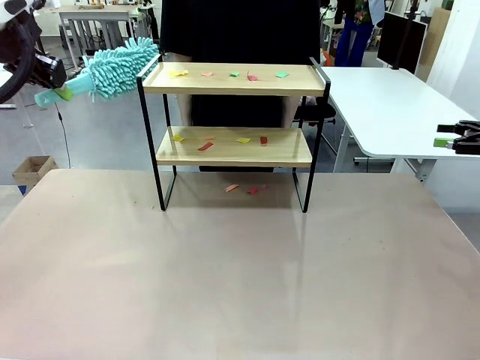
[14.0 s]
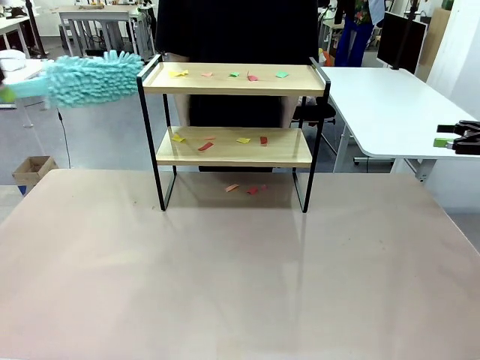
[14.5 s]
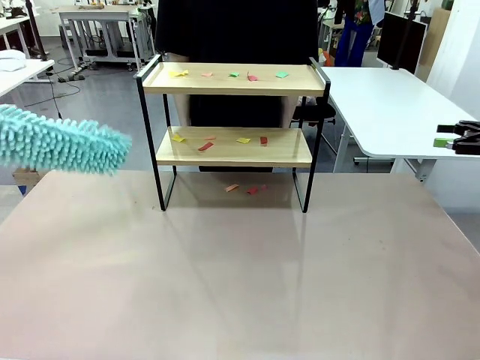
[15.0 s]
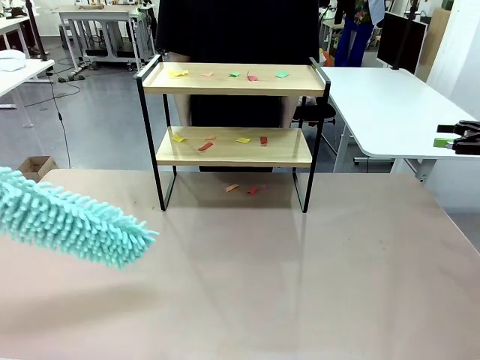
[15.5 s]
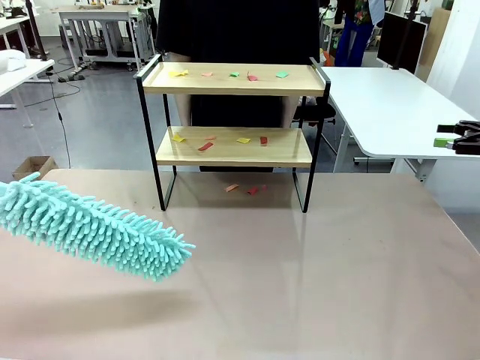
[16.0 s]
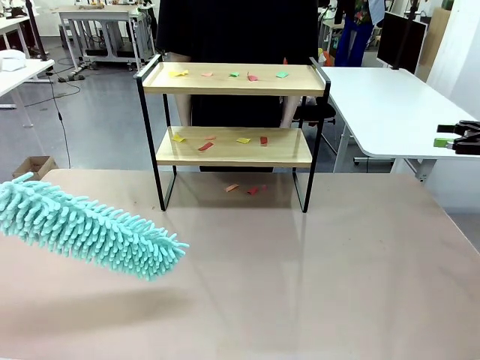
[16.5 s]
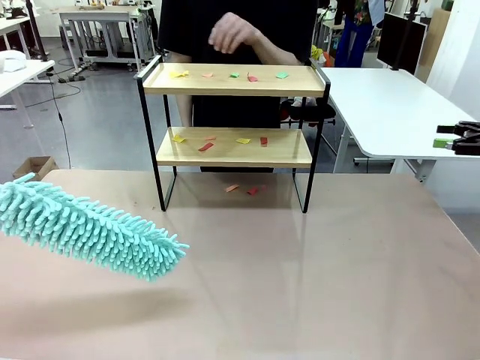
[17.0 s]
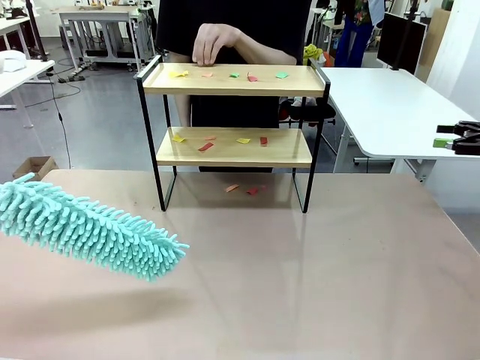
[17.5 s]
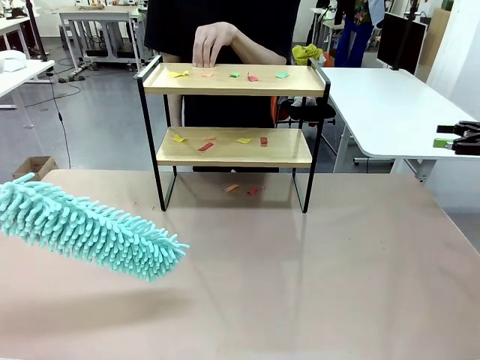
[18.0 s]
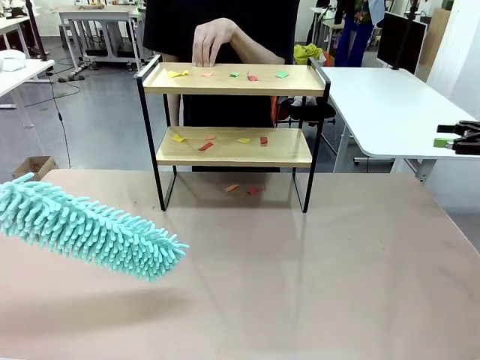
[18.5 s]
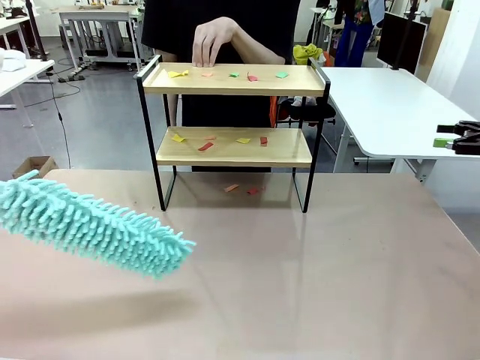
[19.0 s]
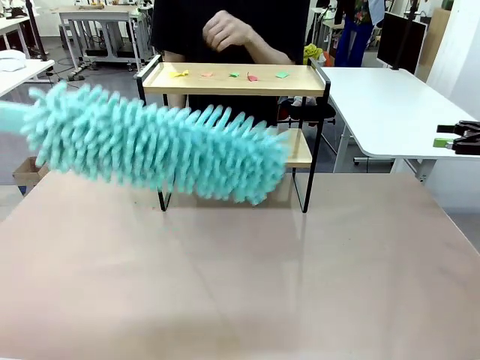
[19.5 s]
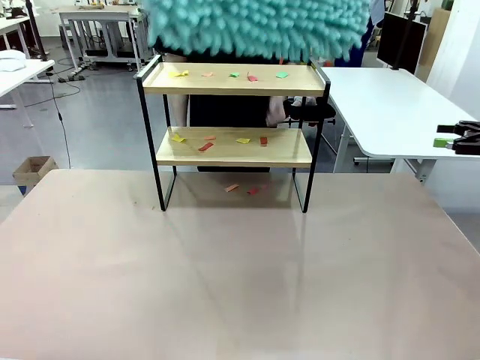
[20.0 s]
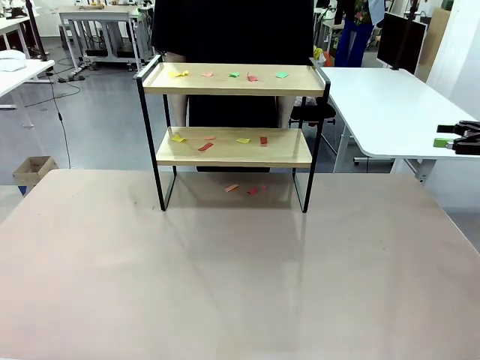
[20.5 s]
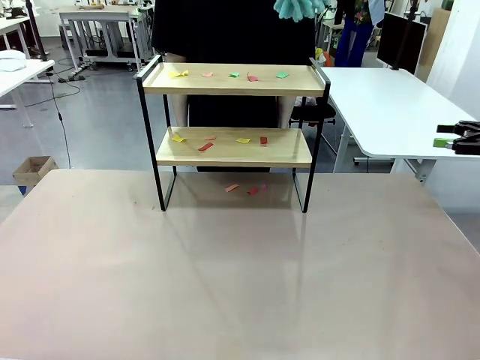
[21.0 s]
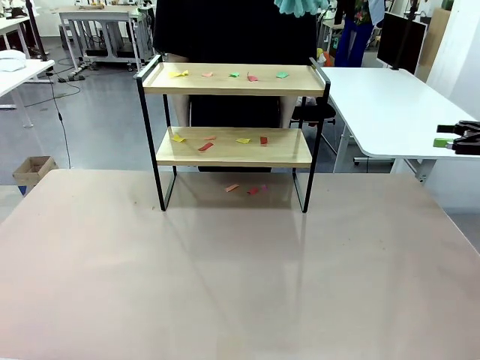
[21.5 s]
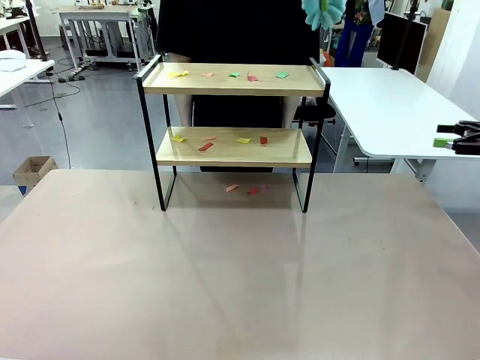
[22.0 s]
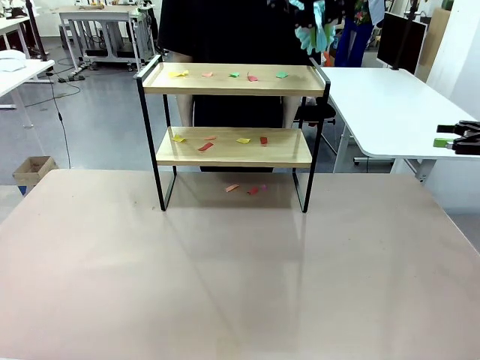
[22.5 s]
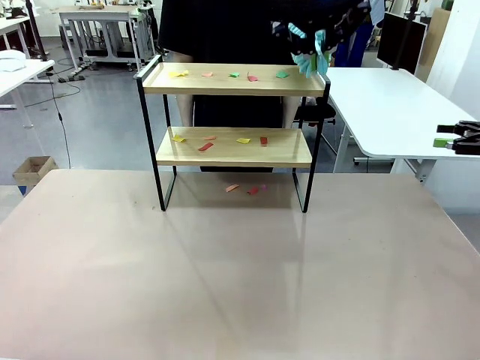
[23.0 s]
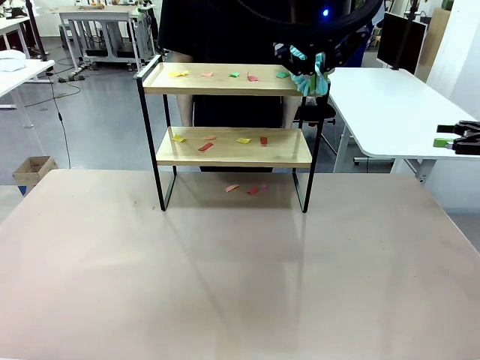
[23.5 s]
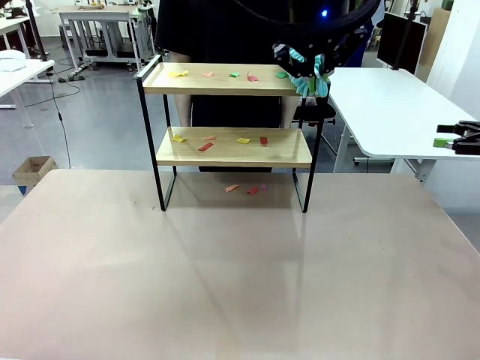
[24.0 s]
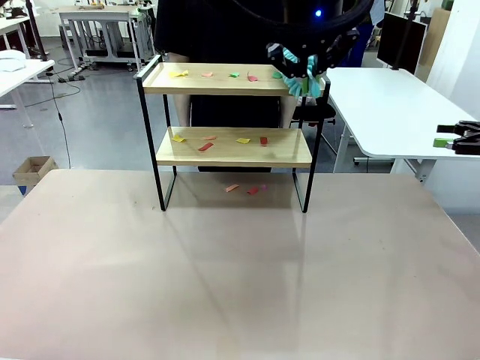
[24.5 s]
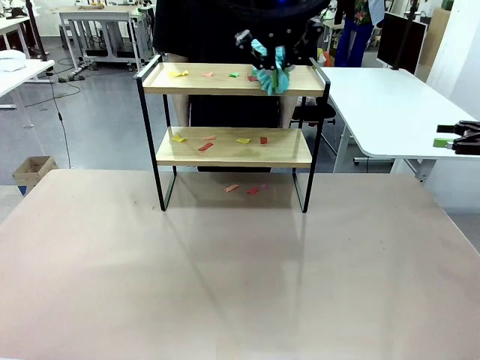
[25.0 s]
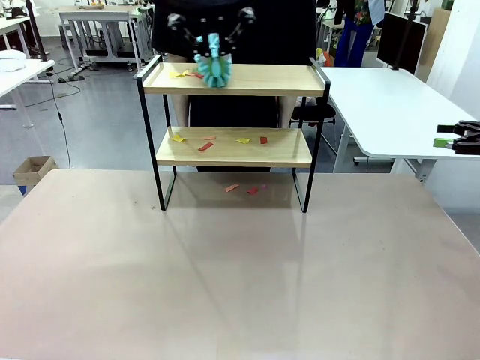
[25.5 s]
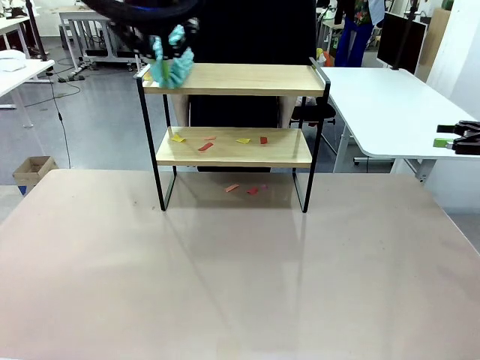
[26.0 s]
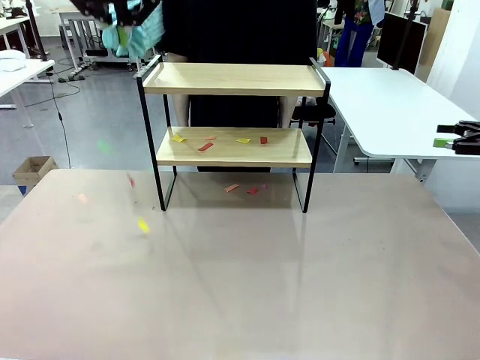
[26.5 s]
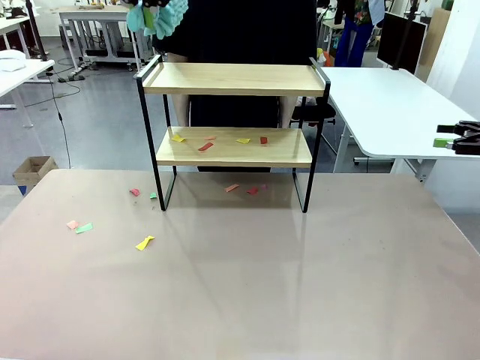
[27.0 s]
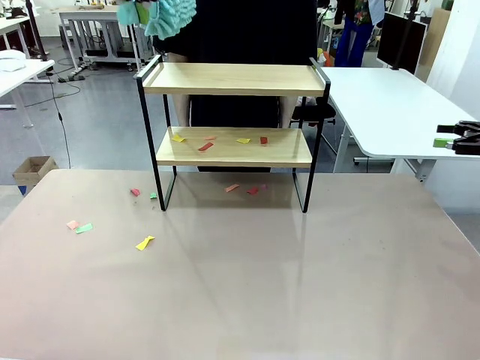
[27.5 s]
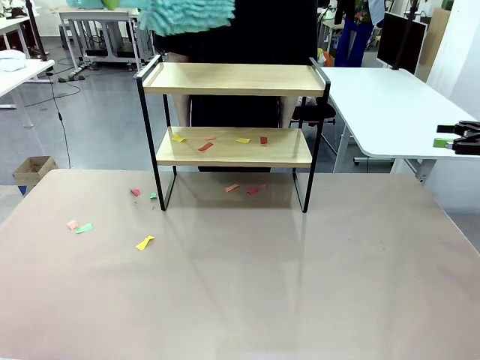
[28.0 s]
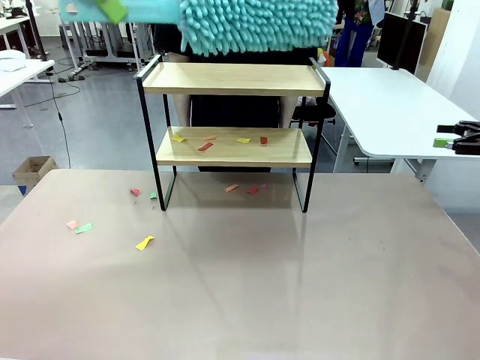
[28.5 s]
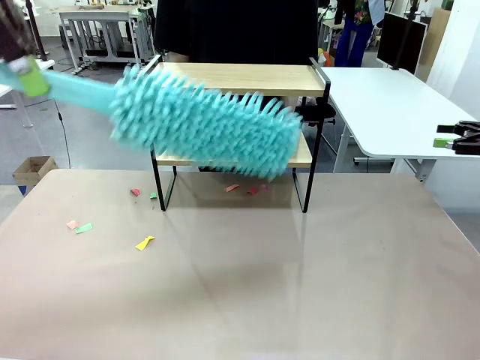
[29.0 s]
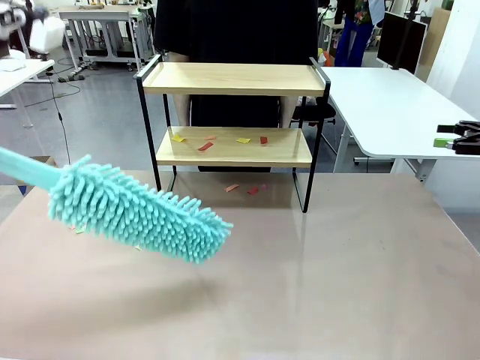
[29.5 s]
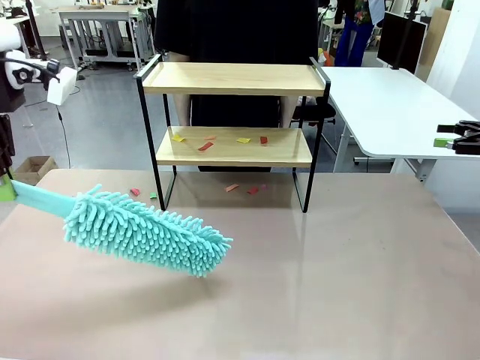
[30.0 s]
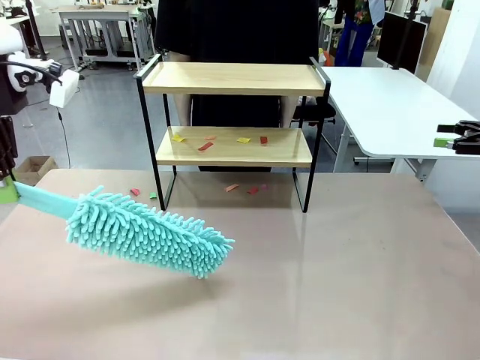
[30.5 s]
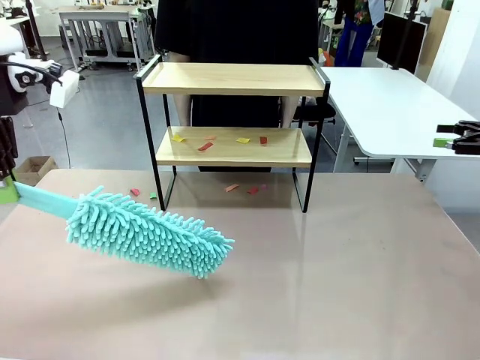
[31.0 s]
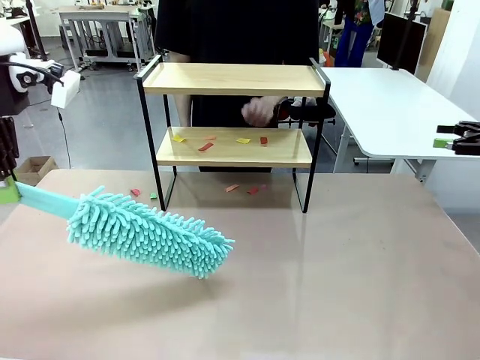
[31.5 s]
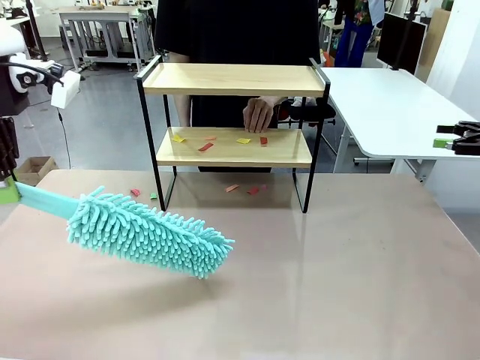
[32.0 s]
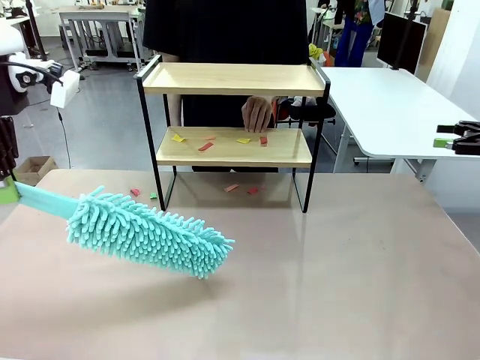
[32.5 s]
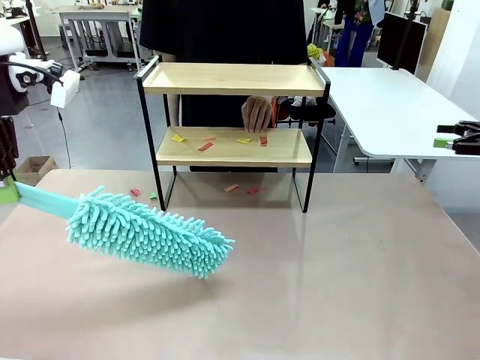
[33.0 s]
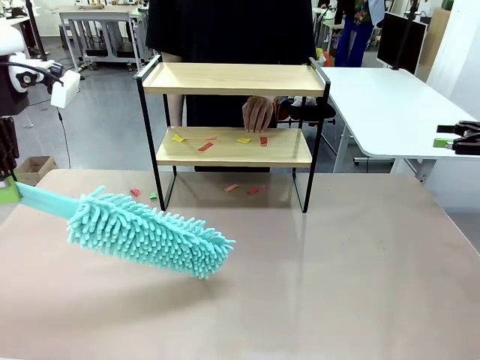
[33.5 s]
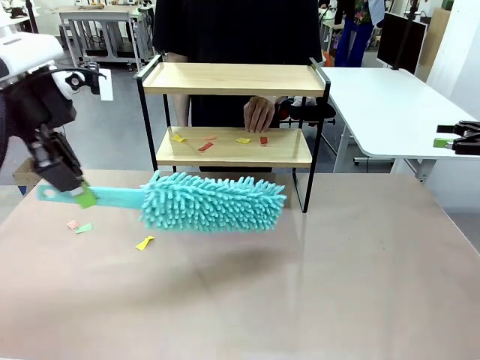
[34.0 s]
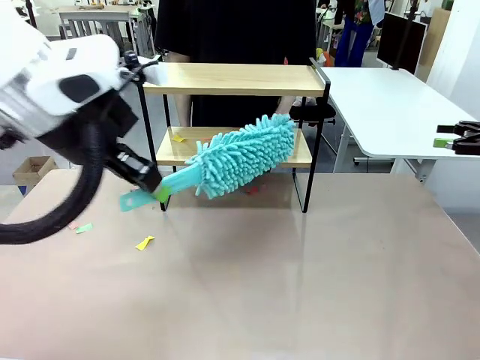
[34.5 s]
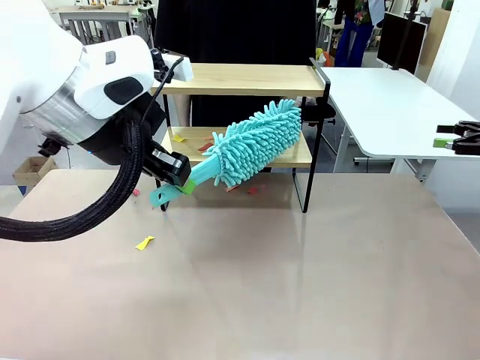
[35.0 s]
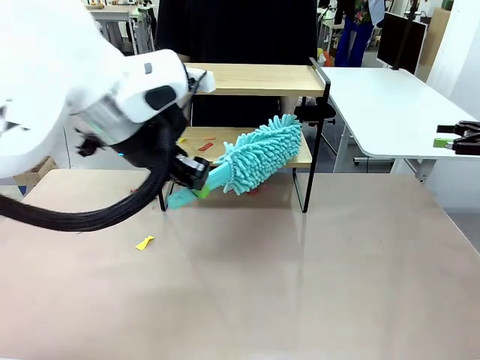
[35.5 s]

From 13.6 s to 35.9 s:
Task: Clean the shelf.
Robot: Clean the specific section of the Shelf indicated by the human with the Duster.
Person: Point a random section of the Shelf.
